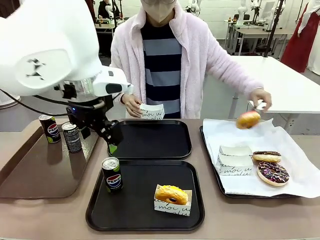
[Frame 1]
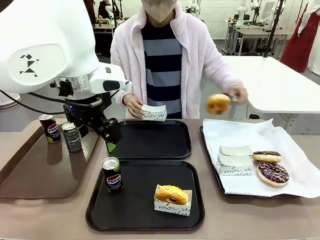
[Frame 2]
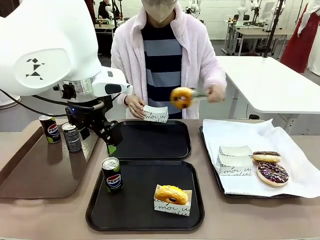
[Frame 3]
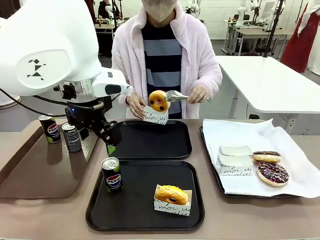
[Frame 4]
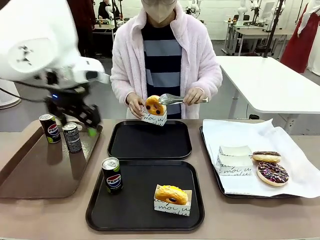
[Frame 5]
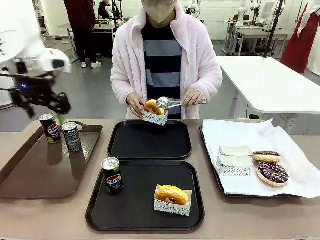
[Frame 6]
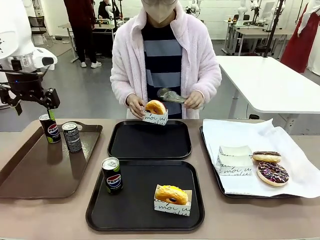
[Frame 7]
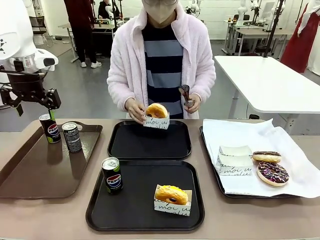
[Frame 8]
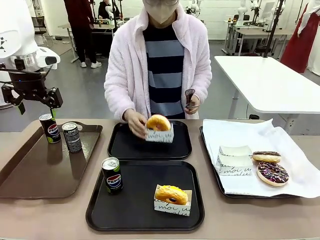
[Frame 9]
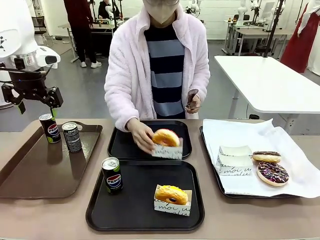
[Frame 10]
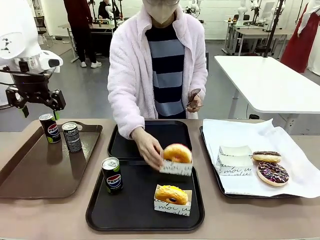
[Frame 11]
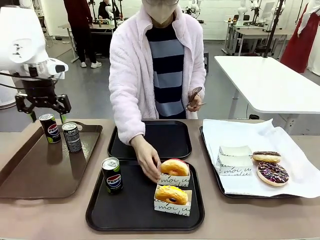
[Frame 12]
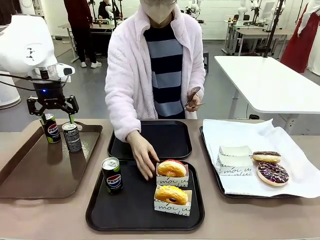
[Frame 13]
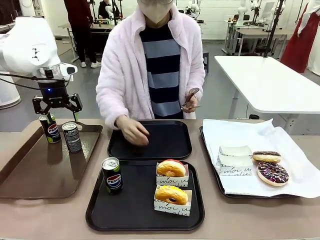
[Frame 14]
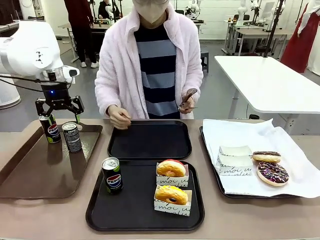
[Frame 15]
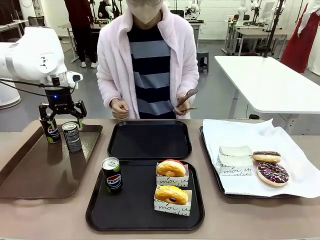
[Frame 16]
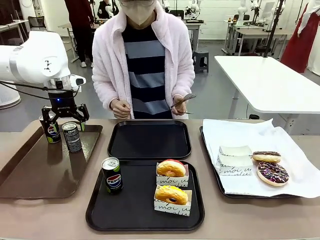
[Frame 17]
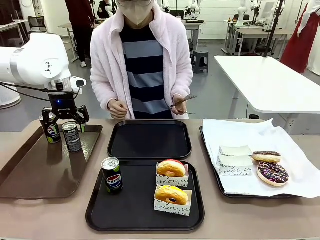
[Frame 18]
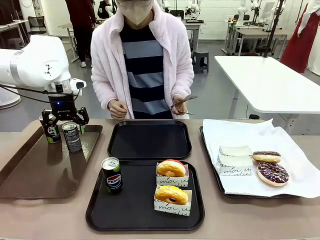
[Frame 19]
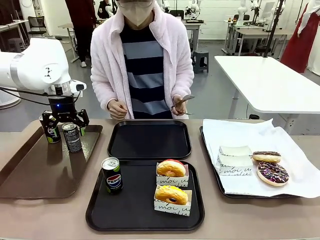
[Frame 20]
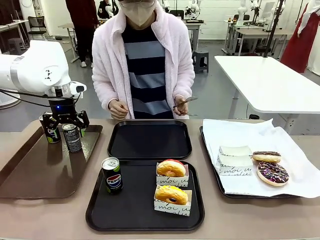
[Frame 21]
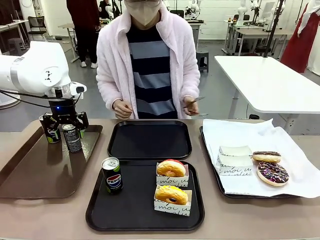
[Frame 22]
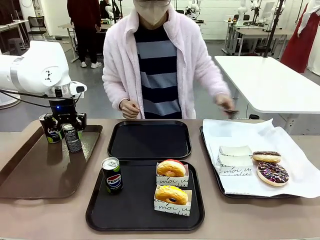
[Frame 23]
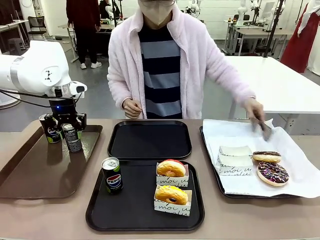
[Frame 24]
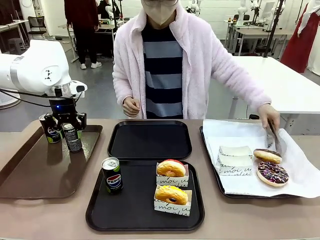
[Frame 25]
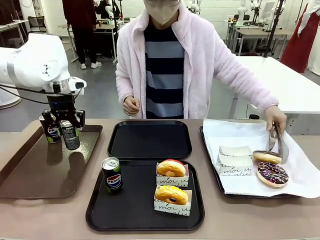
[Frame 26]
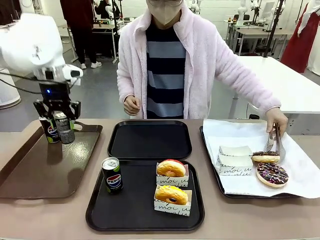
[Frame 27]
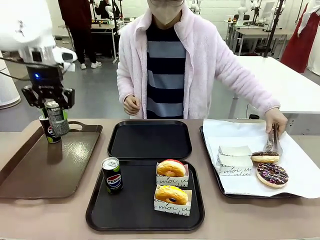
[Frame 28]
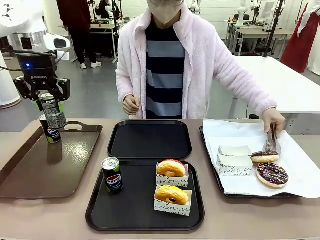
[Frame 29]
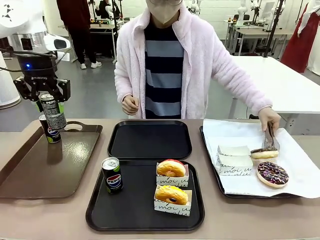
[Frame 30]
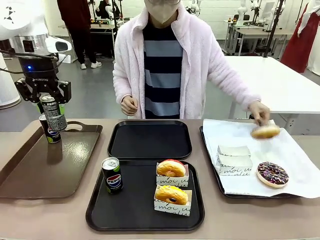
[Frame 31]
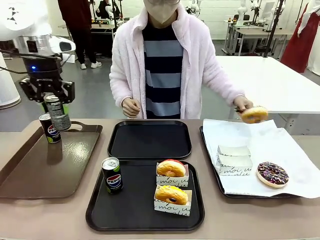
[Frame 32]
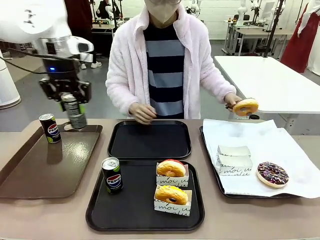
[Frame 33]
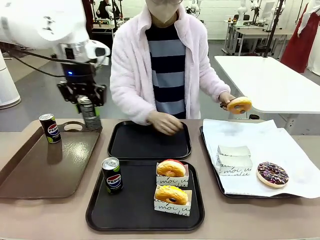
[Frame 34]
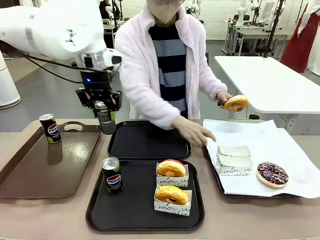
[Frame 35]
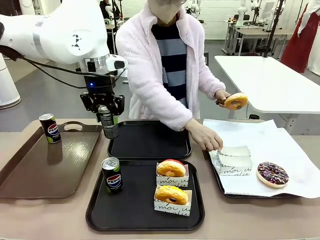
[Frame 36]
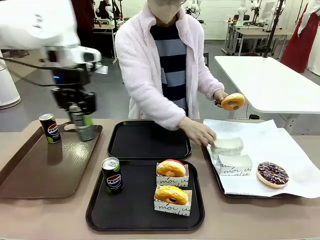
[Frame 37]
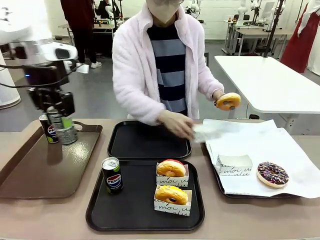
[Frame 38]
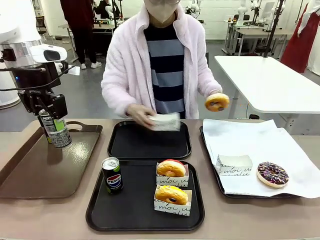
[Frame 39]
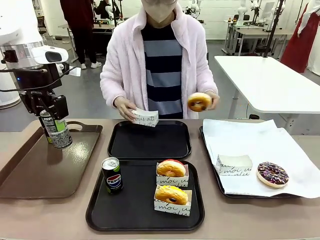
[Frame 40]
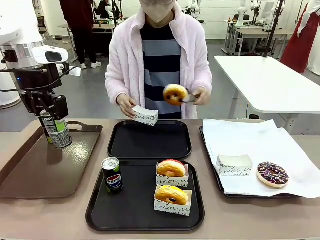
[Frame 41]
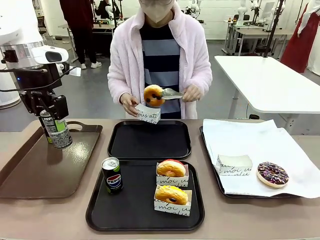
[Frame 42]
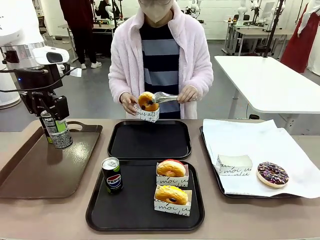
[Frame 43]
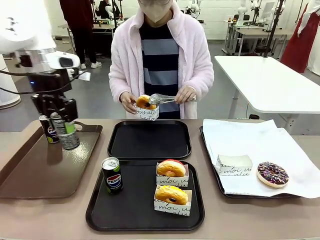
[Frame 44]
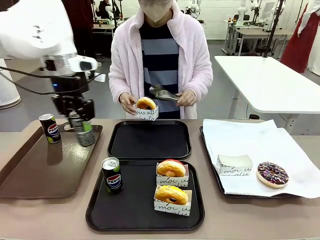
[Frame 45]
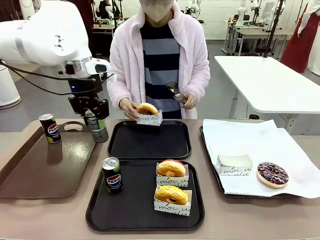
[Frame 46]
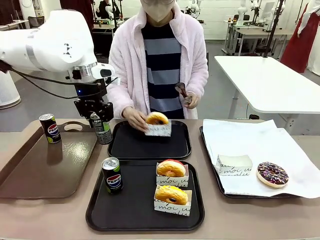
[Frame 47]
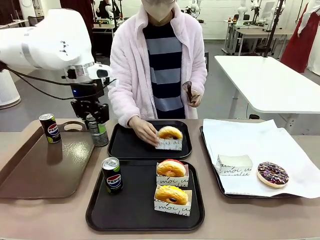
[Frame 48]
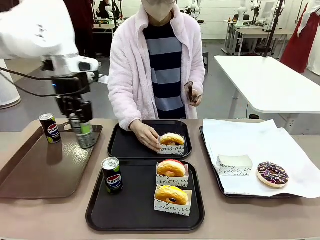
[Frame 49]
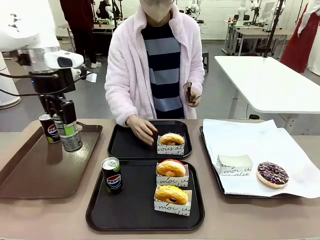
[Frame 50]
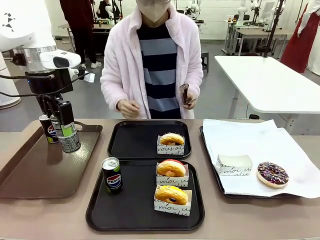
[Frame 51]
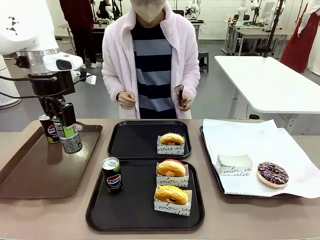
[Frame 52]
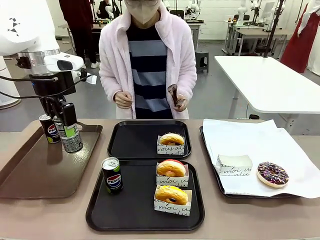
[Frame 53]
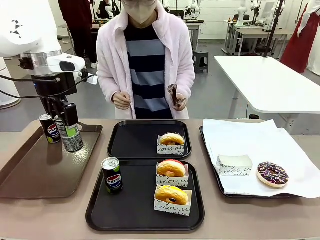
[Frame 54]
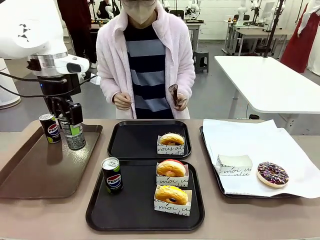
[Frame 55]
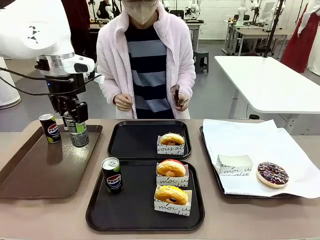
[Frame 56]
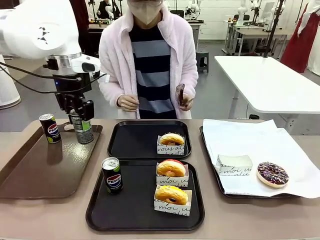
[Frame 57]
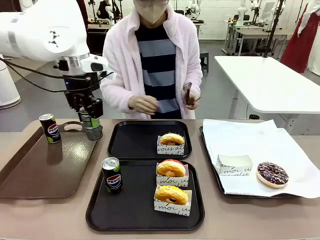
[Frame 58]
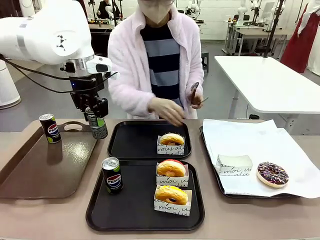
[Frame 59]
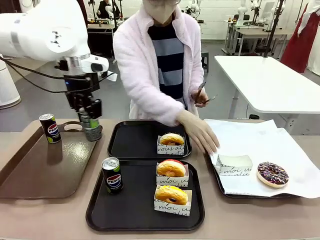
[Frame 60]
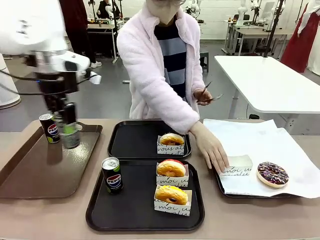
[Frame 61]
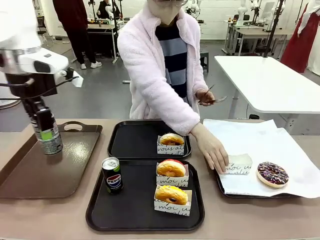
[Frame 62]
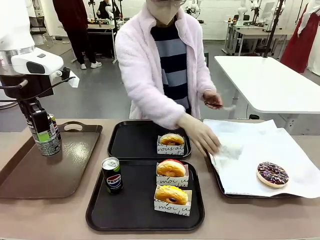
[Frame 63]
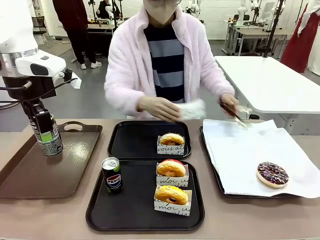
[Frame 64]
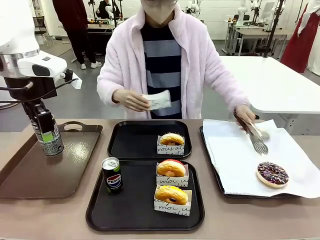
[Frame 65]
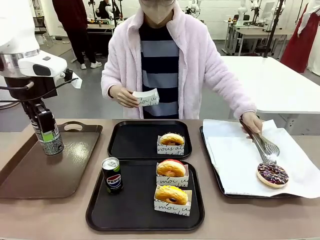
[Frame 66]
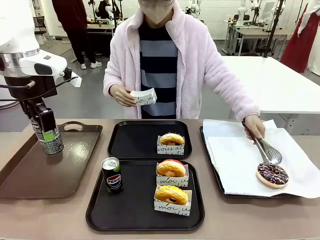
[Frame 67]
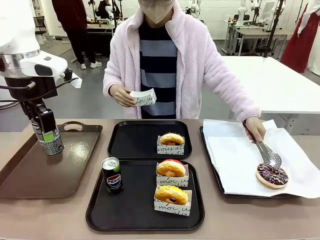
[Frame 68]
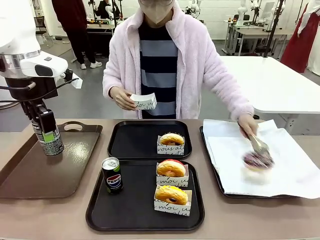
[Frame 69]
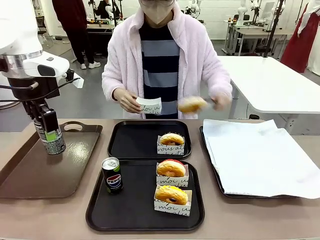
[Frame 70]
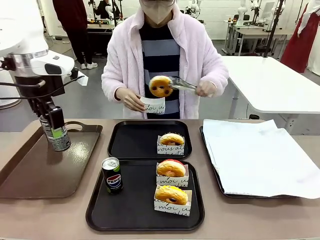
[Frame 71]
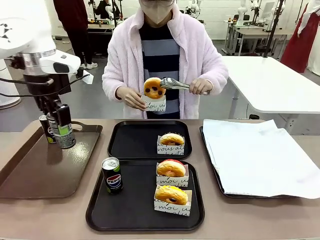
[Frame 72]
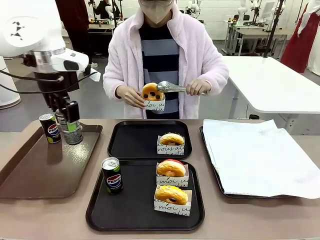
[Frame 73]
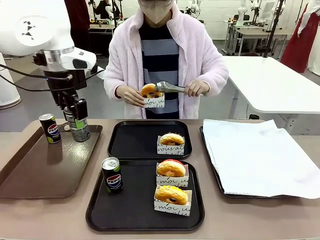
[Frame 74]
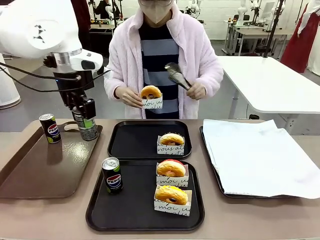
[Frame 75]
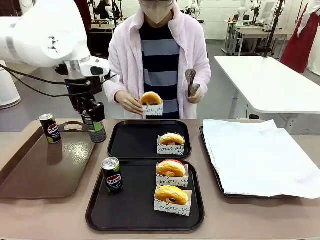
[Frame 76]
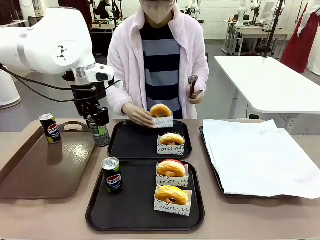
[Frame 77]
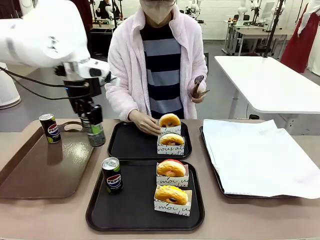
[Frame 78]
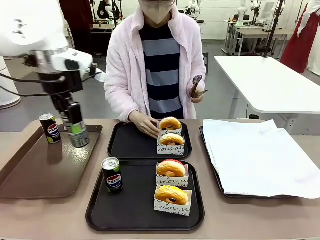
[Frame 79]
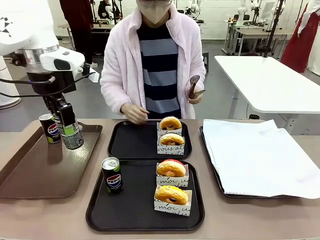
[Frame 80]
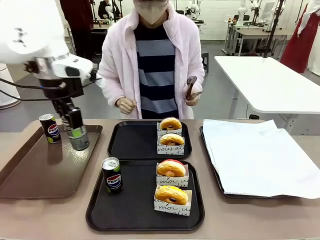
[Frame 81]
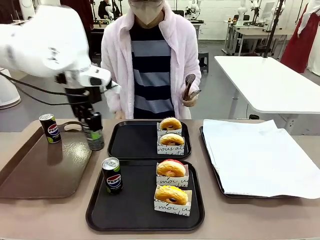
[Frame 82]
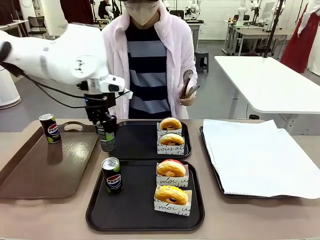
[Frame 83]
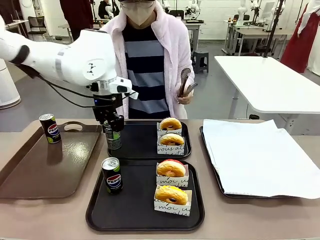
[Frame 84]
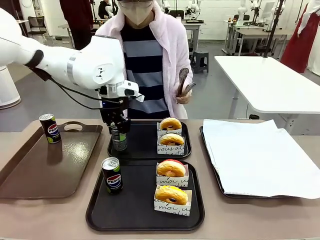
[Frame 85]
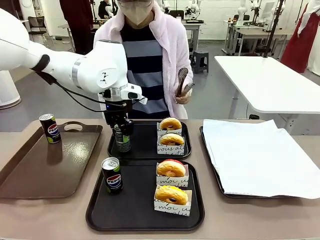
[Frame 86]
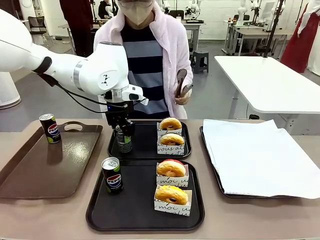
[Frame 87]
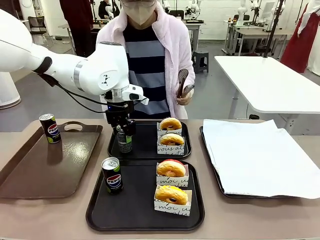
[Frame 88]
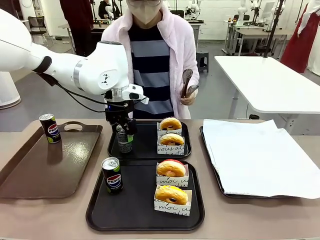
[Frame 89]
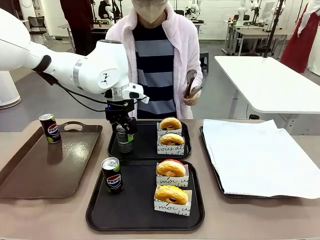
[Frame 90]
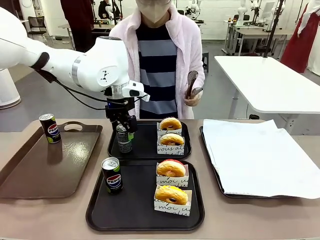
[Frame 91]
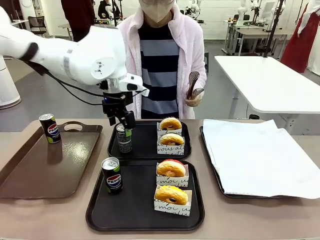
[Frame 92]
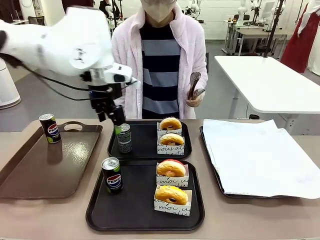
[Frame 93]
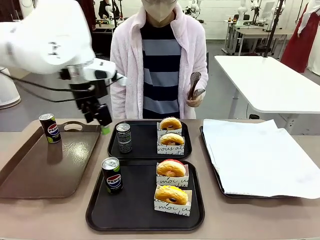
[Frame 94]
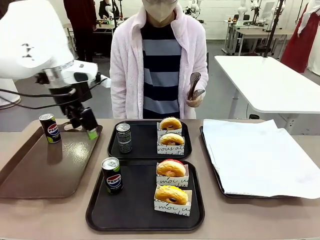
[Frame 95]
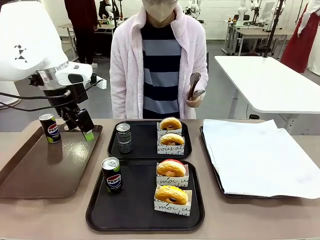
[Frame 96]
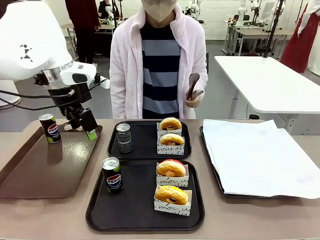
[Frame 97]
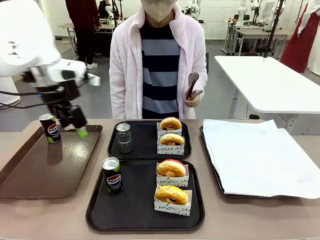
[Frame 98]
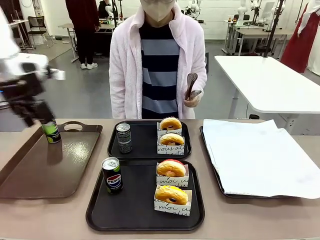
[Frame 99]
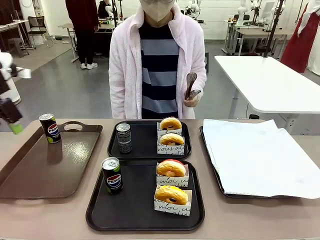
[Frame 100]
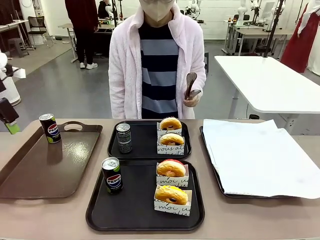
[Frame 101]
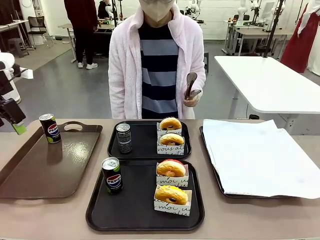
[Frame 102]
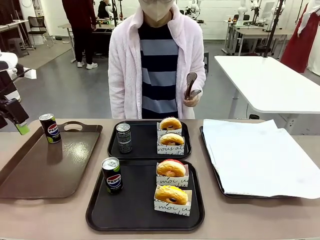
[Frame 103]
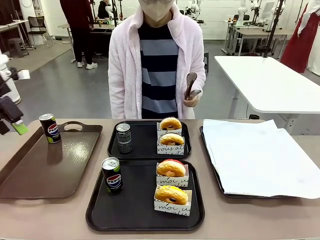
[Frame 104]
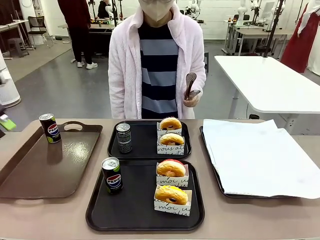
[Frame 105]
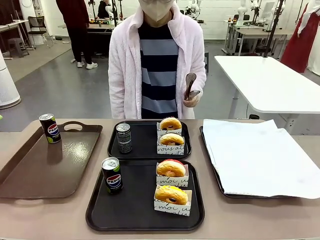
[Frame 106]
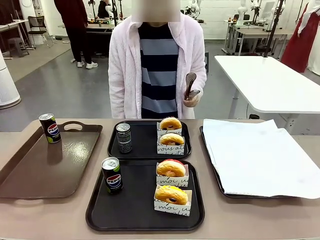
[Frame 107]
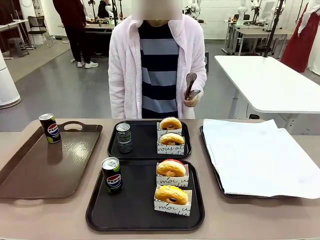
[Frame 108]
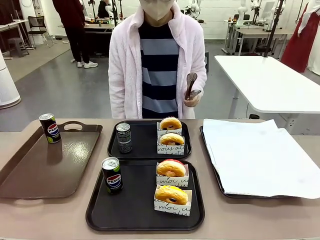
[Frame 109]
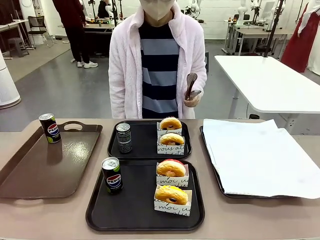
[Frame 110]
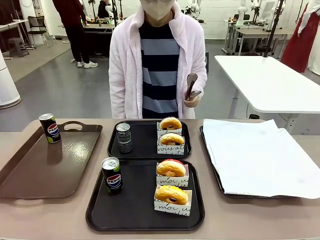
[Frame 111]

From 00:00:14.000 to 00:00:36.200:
Task: Set up donuts and drinks on trays.
Robot: Pick up one Pepsi coke from the Handle tray and place it on the Flat Tray without a Pepsi coke.
Person: Pick up one donut with tongs, place it in the donut tray, and then place the donut tray on the flat tray.
